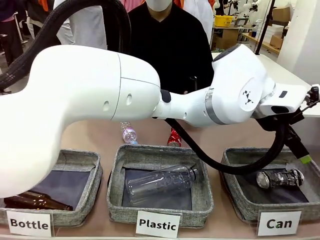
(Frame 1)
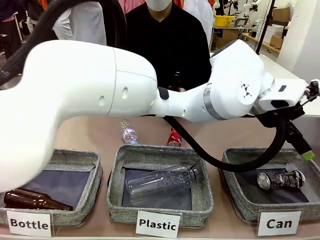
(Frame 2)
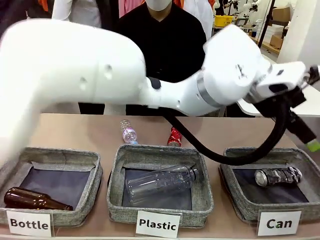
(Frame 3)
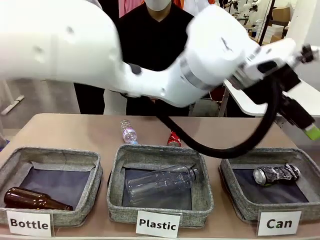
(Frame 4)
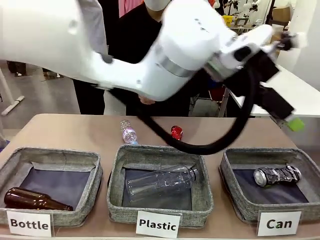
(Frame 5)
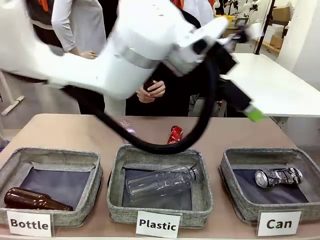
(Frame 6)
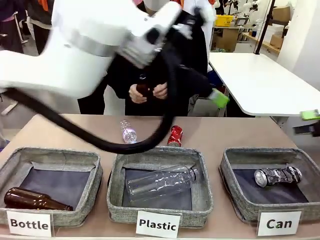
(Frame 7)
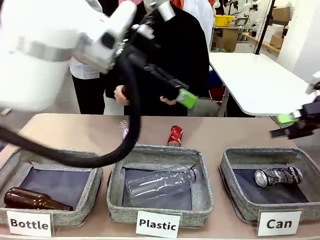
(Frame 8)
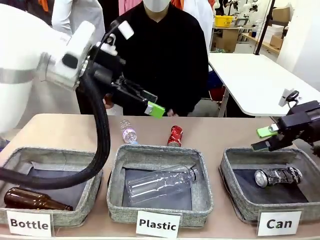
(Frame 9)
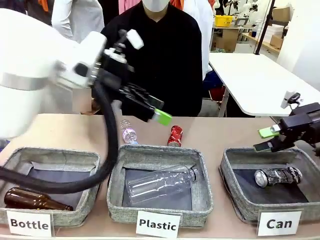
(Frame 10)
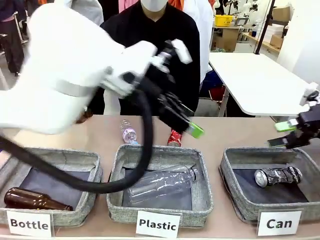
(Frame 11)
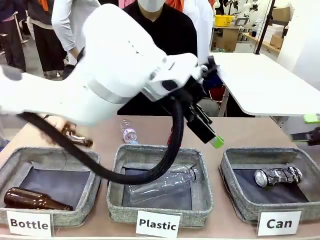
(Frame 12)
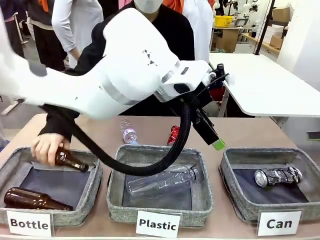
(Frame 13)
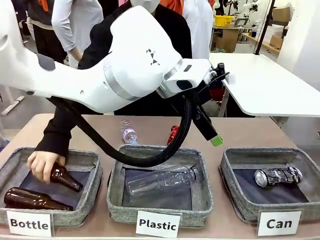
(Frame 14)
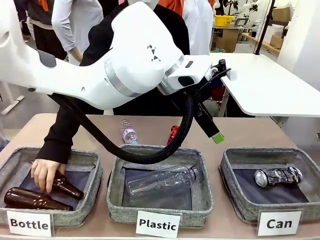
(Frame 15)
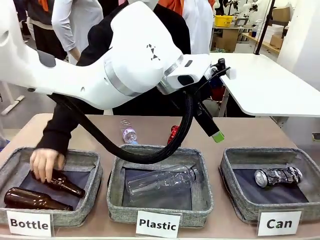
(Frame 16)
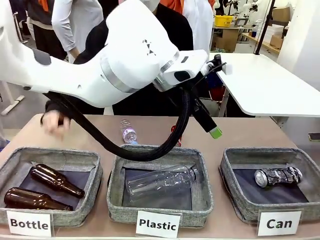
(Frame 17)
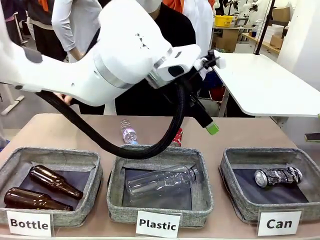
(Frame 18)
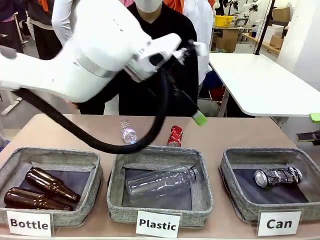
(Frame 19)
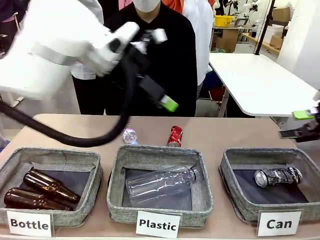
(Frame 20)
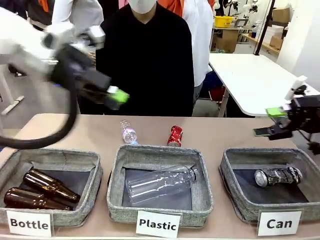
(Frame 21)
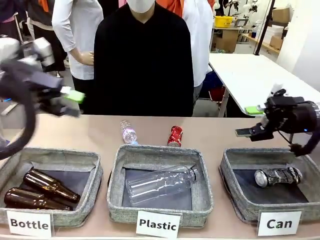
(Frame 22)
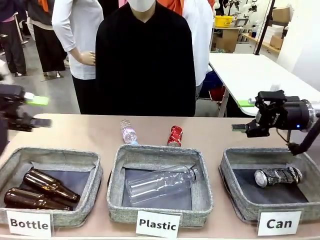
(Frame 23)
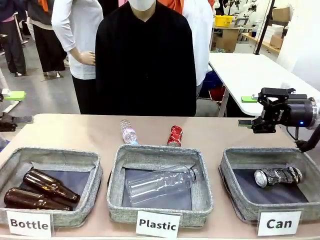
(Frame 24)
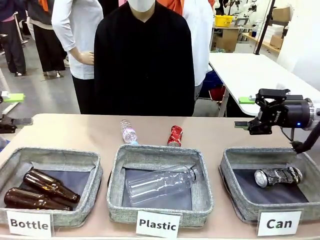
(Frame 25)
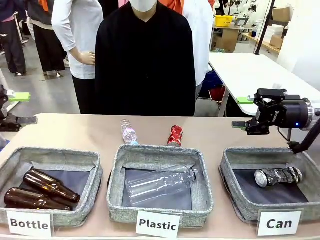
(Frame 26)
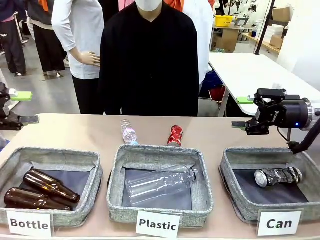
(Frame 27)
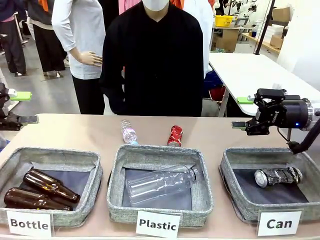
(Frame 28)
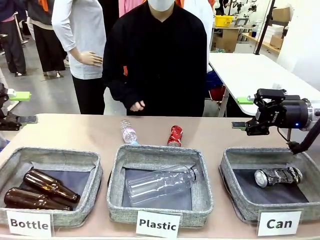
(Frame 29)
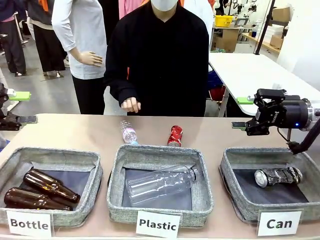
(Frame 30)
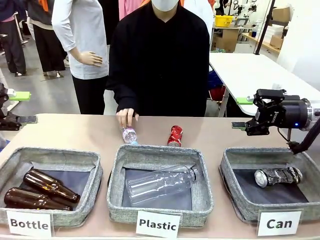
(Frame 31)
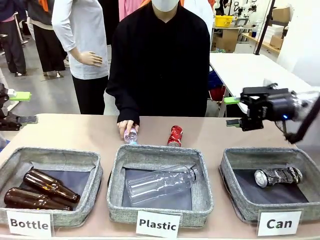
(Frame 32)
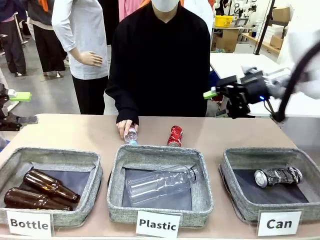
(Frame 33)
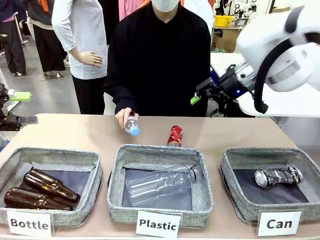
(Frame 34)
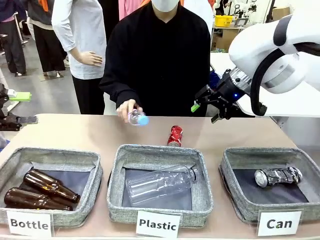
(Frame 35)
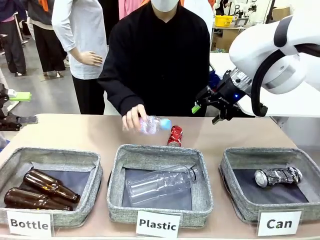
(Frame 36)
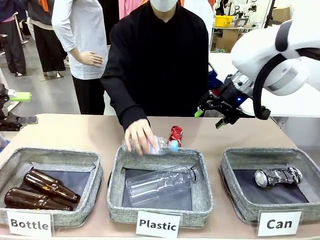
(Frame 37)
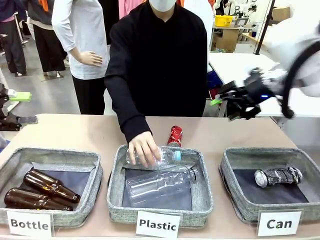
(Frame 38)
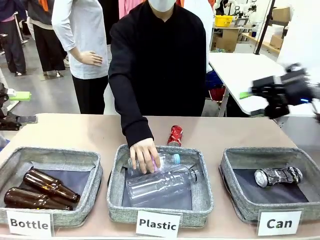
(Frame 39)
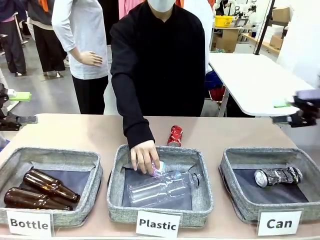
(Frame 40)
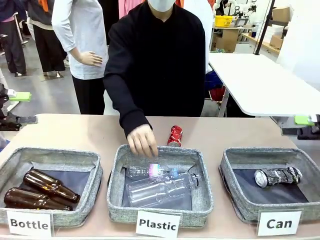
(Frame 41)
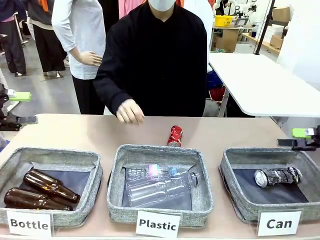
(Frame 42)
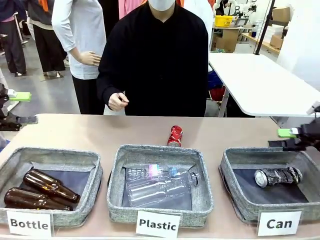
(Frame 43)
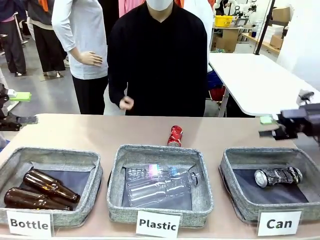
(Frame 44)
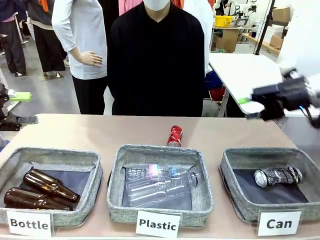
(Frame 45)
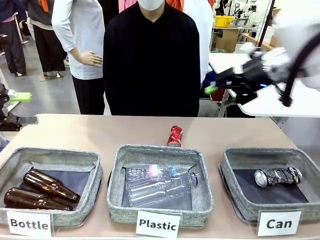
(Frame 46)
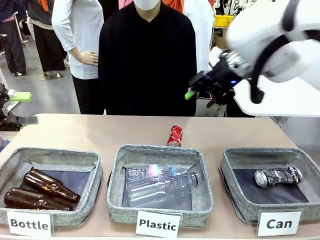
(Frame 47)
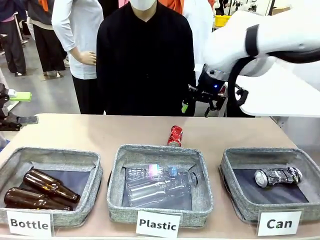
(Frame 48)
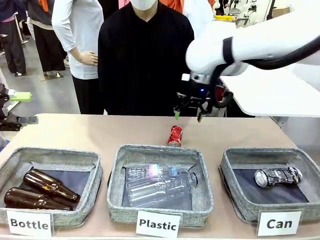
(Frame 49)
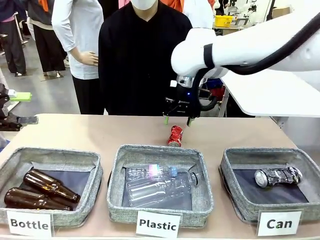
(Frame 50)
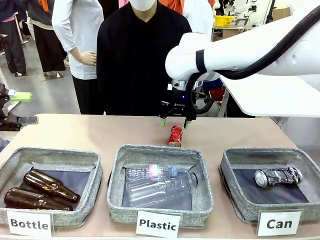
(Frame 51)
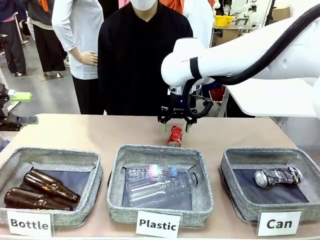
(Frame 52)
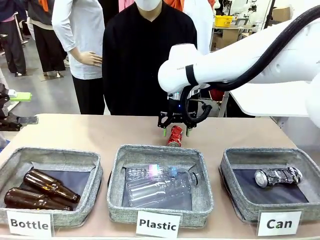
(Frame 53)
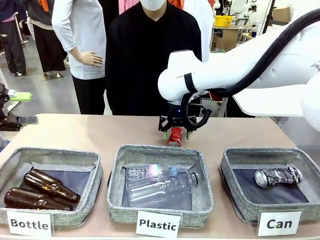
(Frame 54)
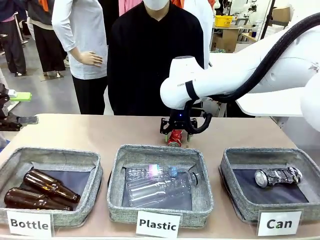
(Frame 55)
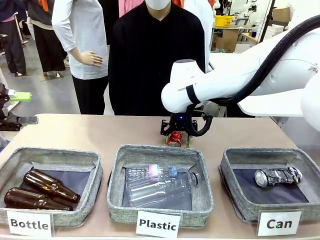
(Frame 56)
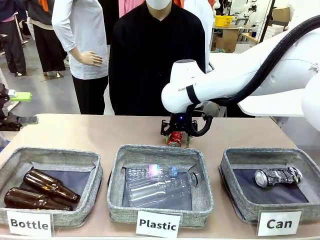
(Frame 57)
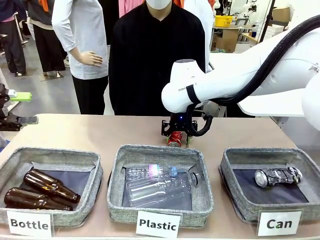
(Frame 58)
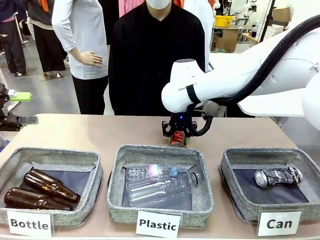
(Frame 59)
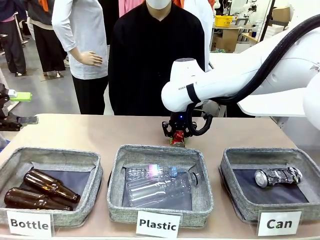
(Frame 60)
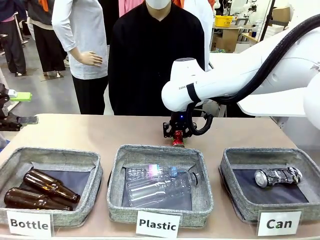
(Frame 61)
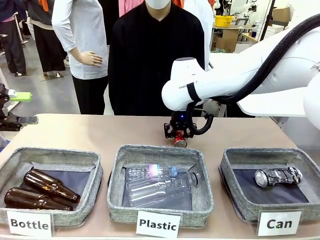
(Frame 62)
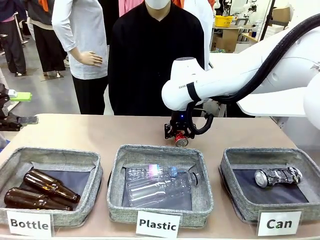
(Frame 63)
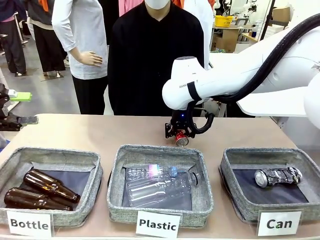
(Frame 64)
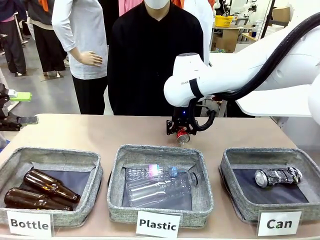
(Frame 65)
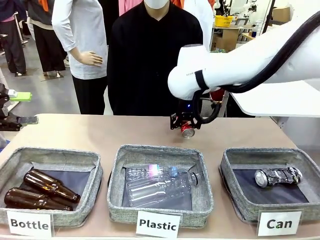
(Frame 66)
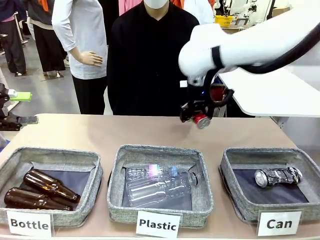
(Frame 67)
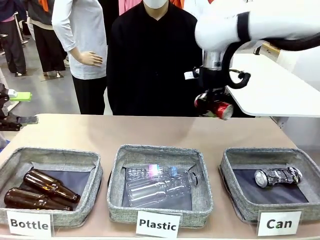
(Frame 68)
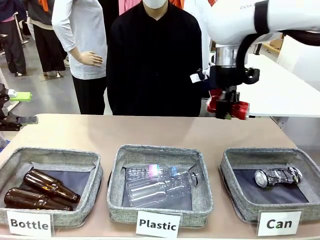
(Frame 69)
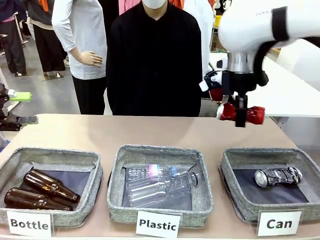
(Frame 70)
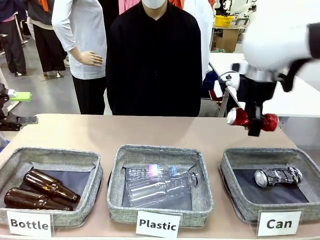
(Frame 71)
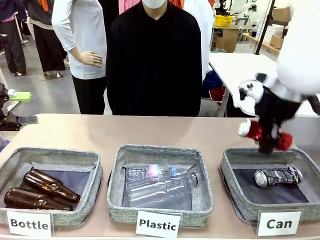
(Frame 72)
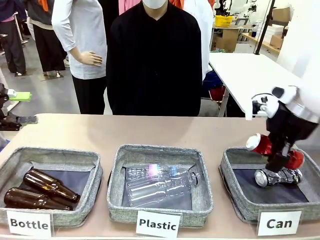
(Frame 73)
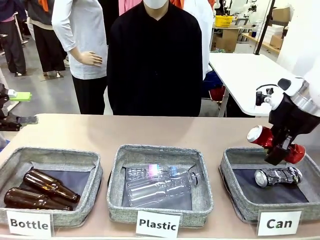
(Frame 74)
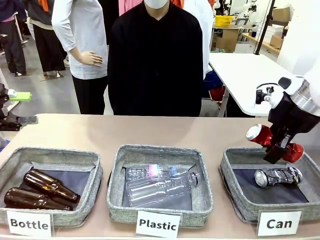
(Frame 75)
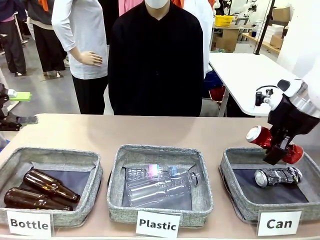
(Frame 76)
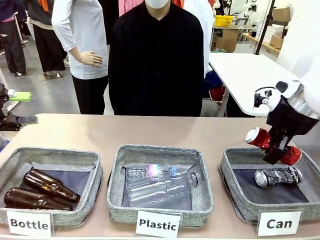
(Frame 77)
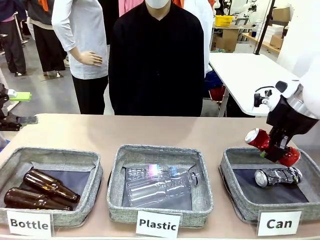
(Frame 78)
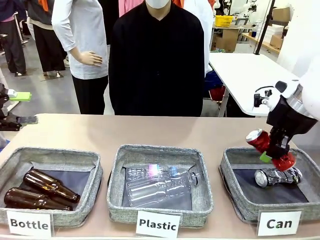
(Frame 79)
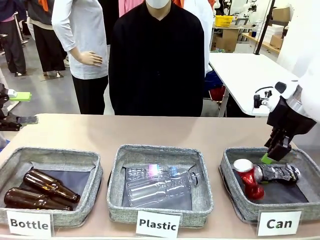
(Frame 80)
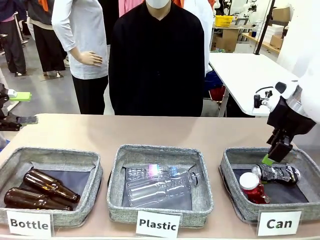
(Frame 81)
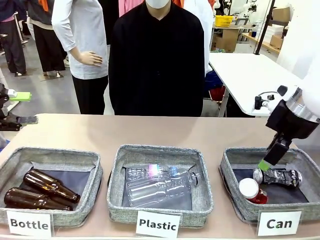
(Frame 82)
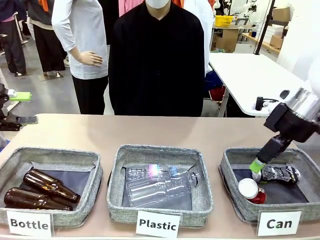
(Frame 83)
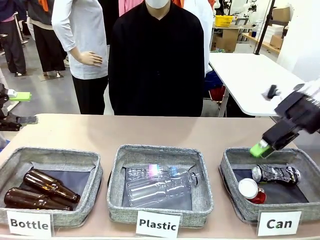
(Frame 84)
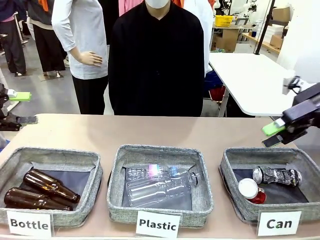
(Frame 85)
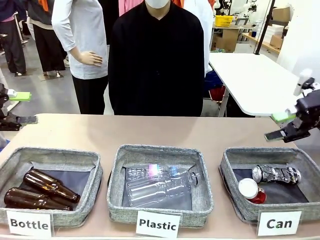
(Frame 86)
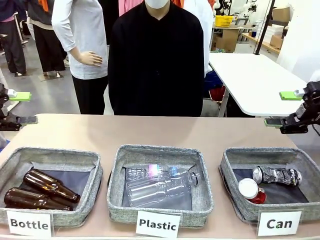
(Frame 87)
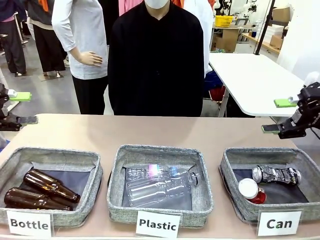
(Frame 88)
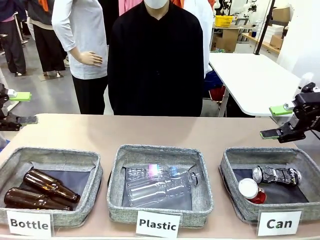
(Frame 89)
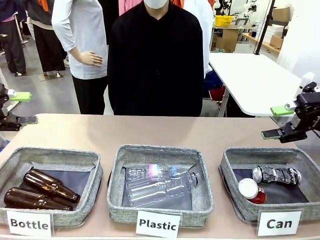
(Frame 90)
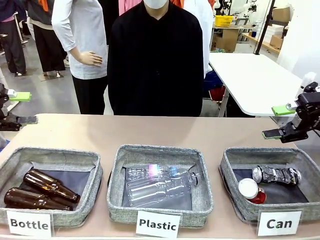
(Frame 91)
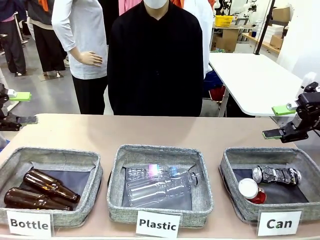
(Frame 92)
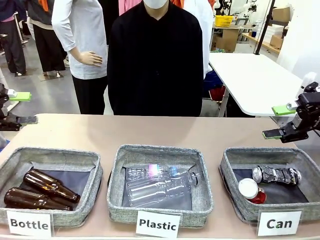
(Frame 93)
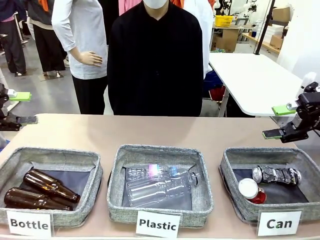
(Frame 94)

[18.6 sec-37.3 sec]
Task: Sort the can waste into the basket.
Robot: Pick up the can waste from the table and place it in the right Fabric basket.
Person: The human picks up one piece of trash that is not a can and places the trash into the appropriate organizing basket.
